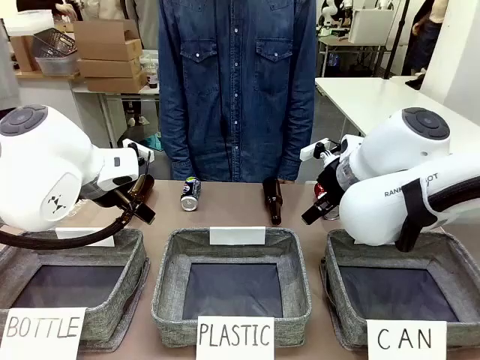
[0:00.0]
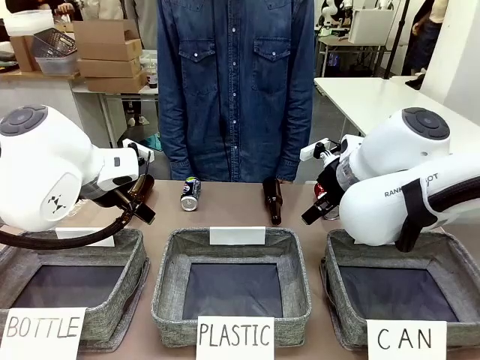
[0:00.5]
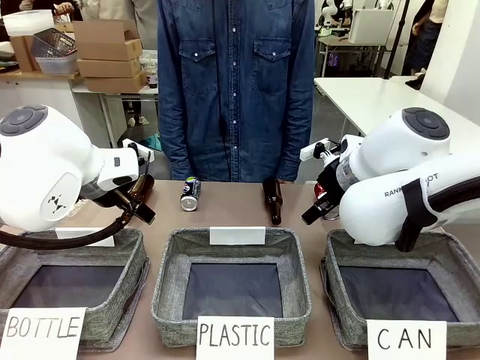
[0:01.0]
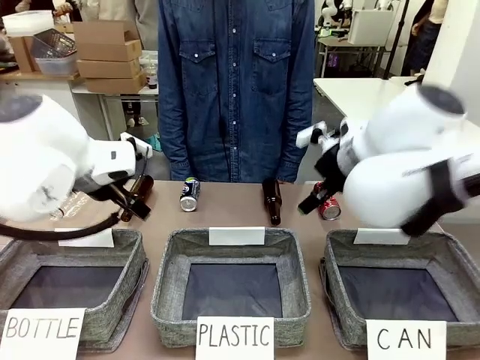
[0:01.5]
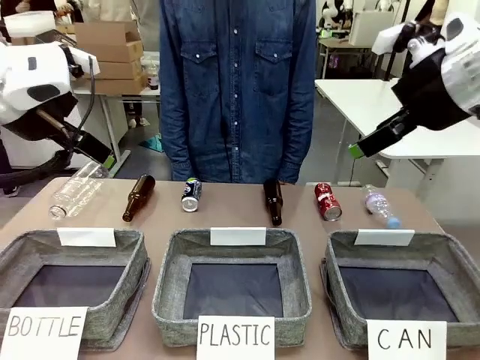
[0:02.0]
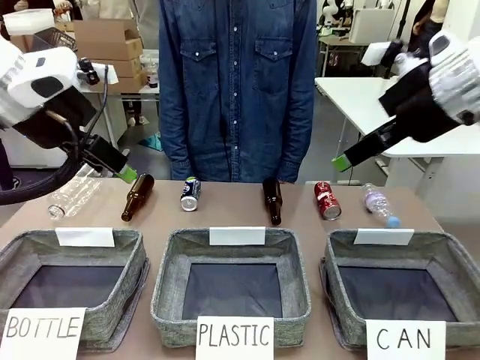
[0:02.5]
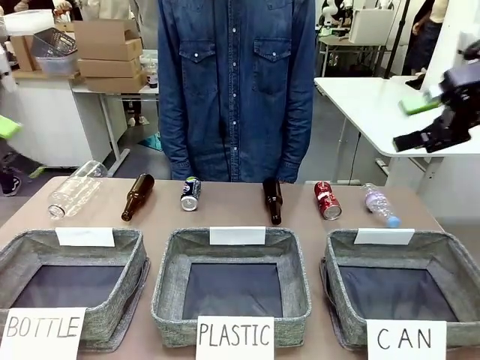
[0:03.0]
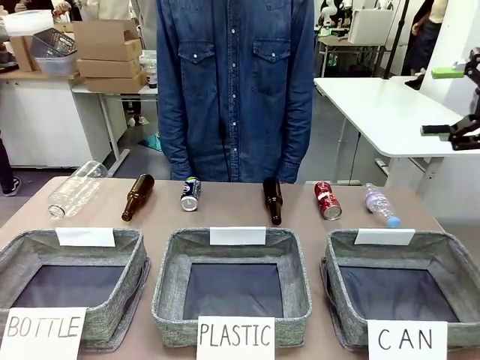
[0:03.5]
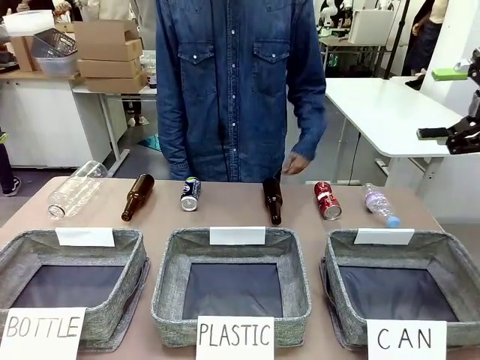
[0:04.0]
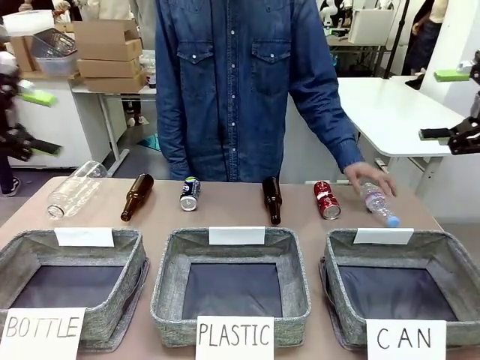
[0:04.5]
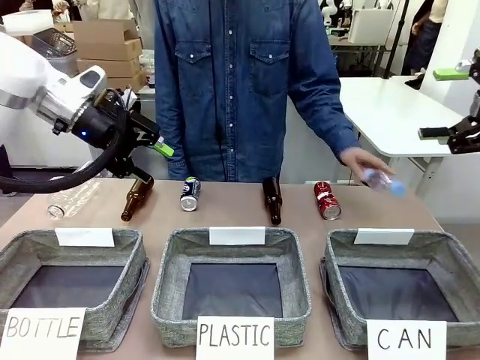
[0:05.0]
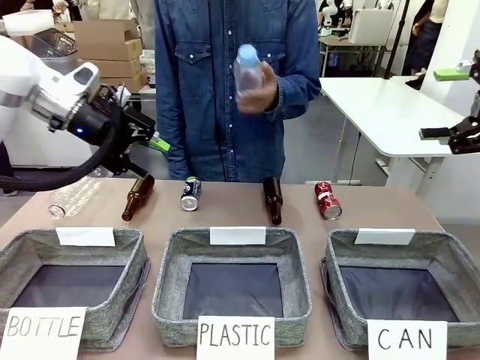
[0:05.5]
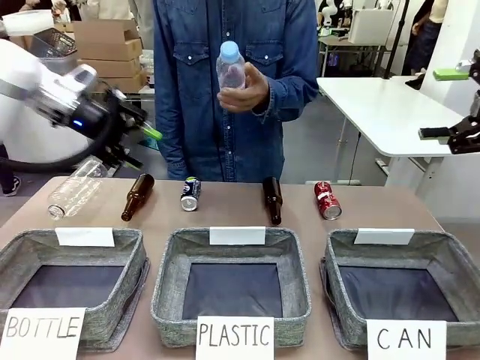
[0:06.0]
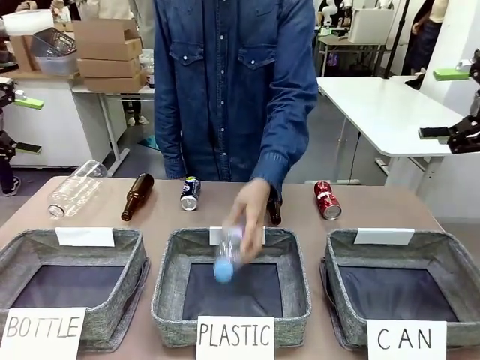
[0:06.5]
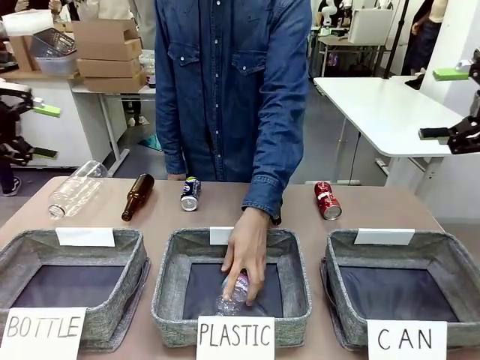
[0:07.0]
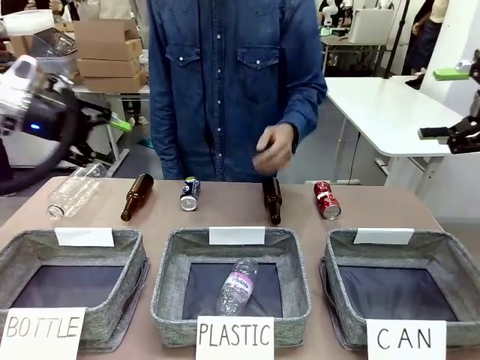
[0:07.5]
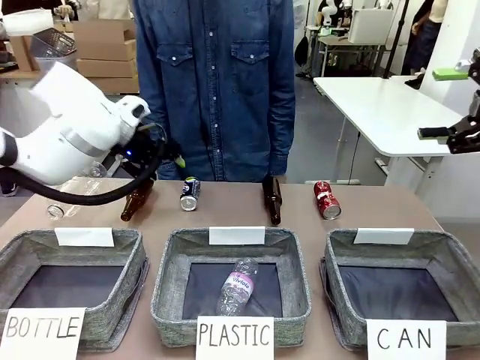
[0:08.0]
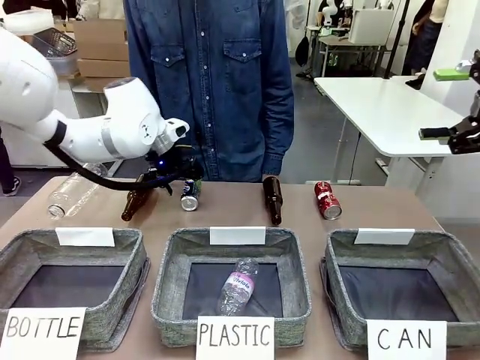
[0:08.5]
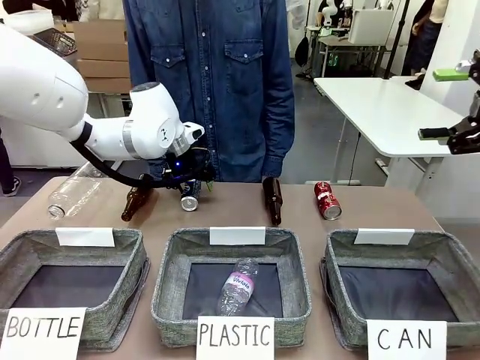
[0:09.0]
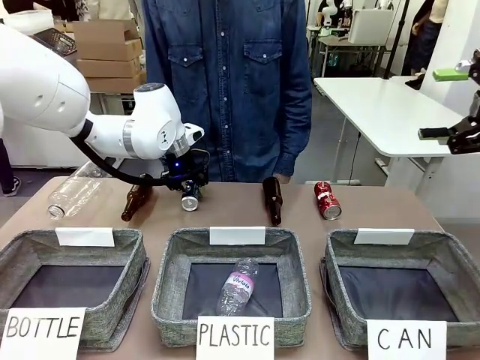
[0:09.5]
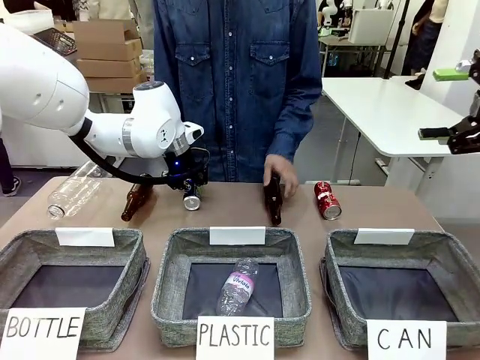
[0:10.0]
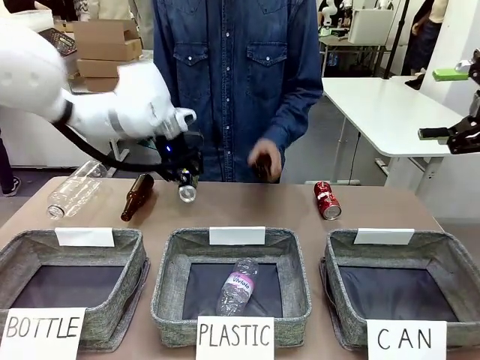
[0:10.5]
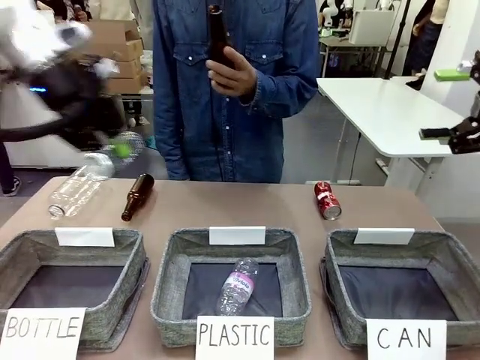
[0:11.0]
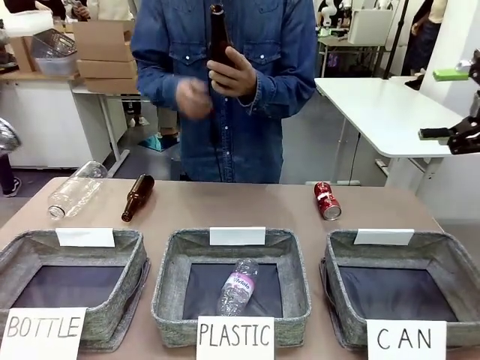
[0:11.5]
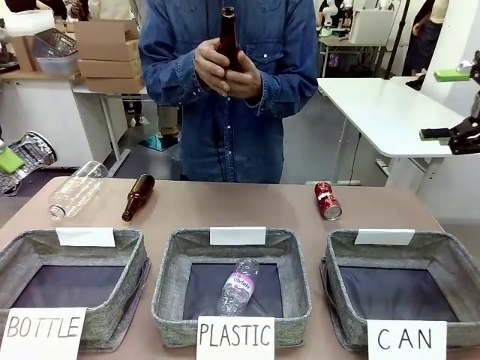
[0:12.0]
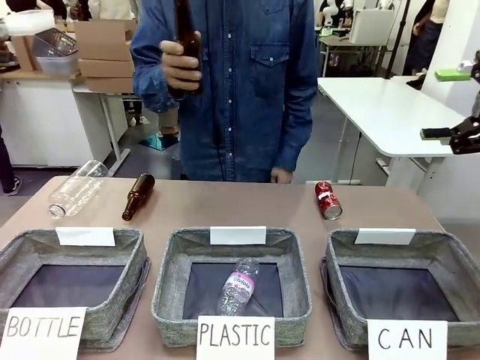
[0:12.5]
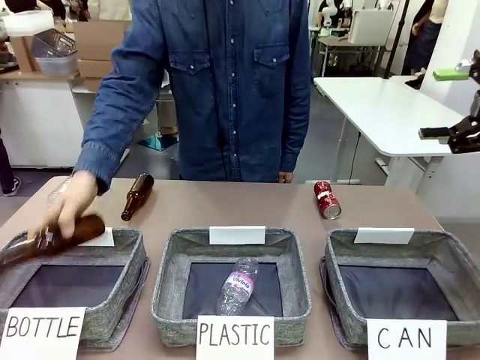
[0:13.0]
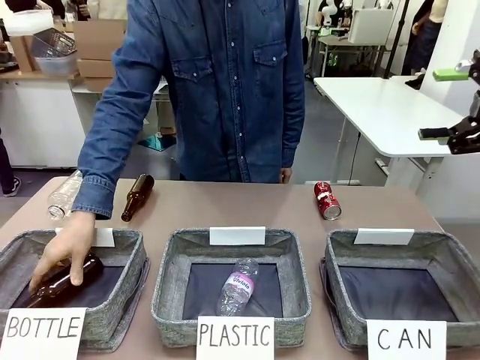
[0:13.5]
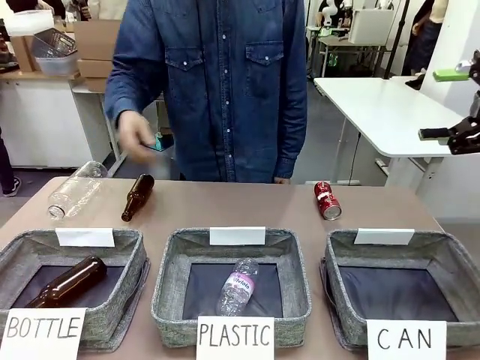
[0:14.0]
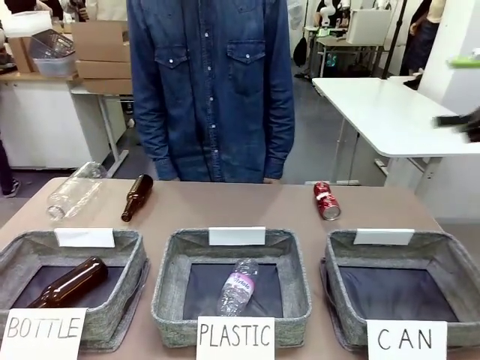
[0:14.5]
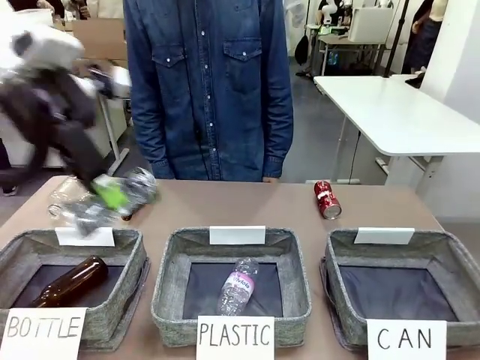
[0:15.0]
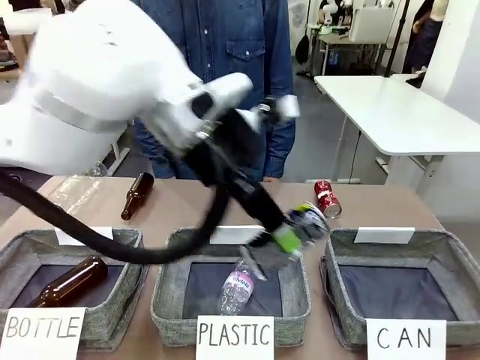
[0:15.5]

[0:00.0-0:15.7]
Task: Sort the can waste into the basket.
Robot: Pick up the can waste from the table and place it in the right Fabric basket.

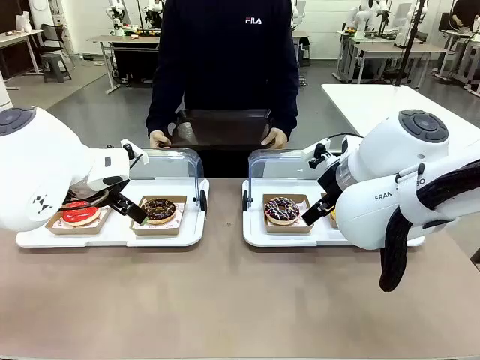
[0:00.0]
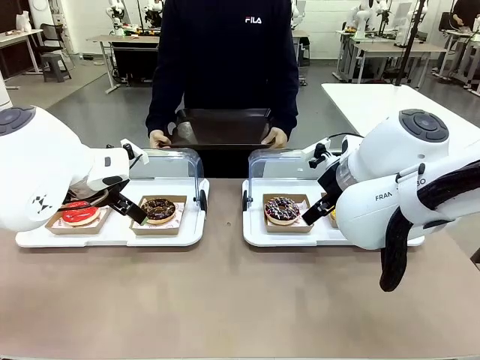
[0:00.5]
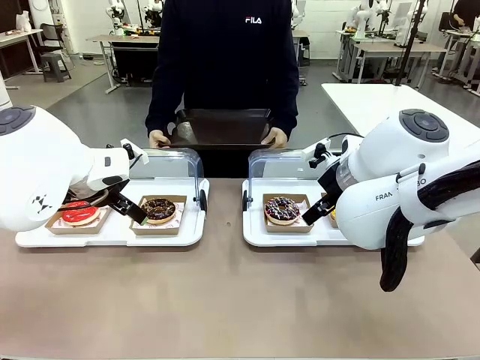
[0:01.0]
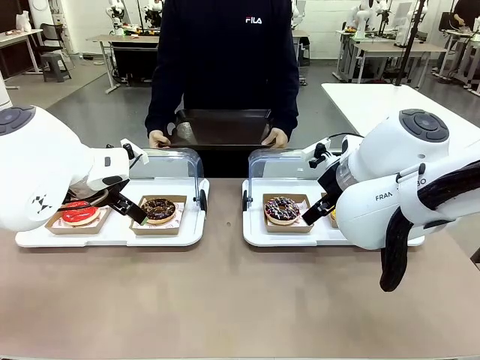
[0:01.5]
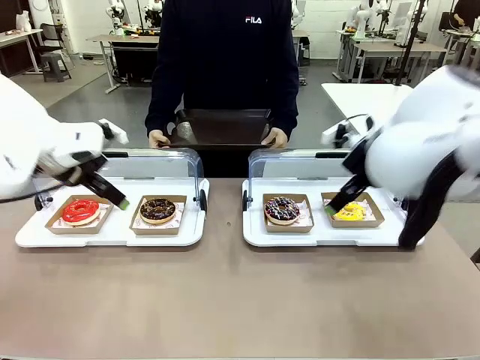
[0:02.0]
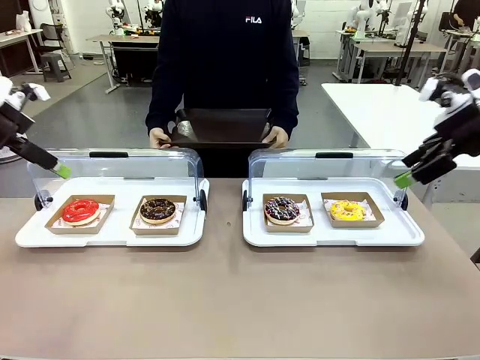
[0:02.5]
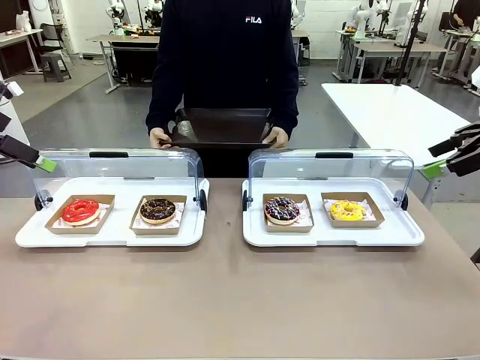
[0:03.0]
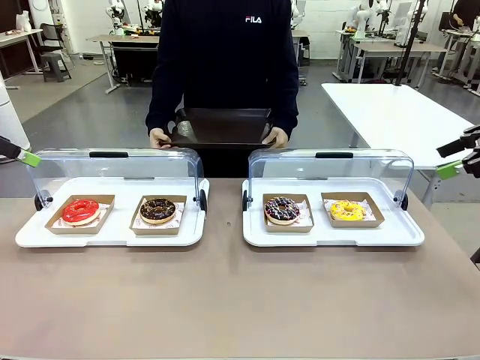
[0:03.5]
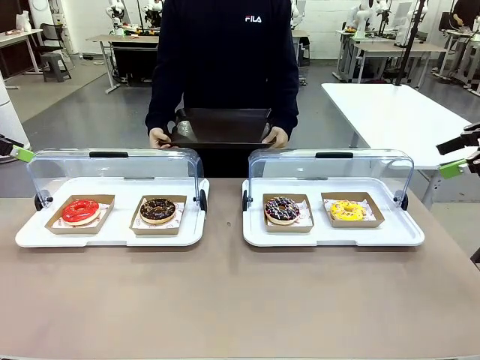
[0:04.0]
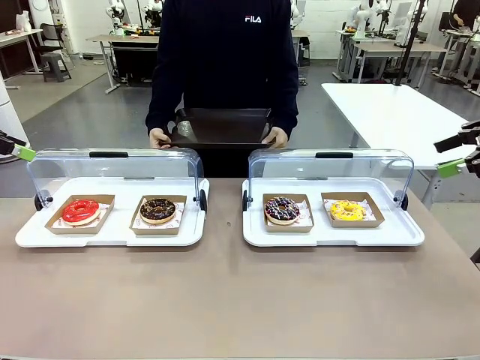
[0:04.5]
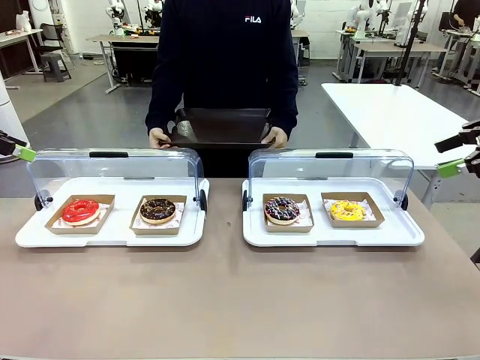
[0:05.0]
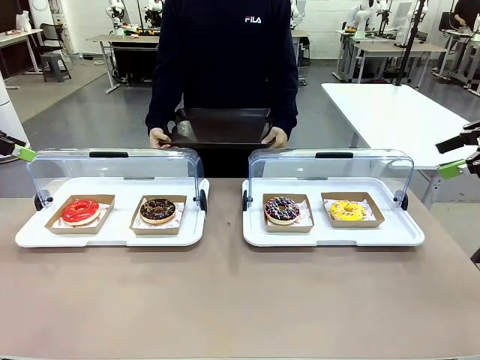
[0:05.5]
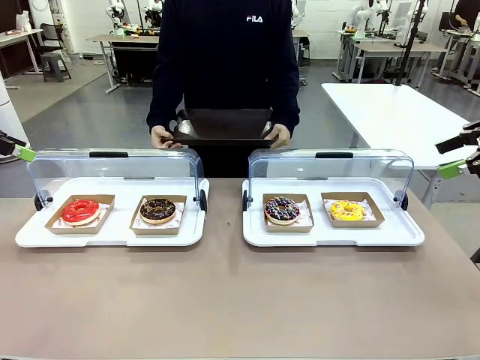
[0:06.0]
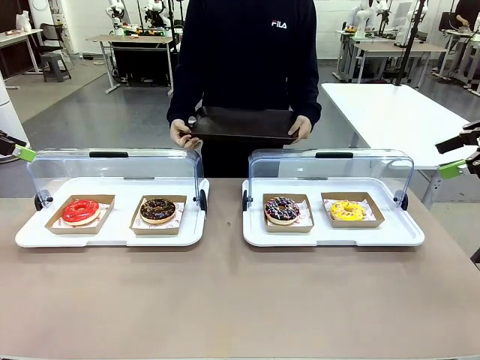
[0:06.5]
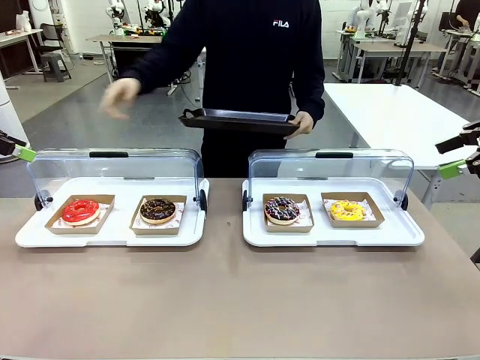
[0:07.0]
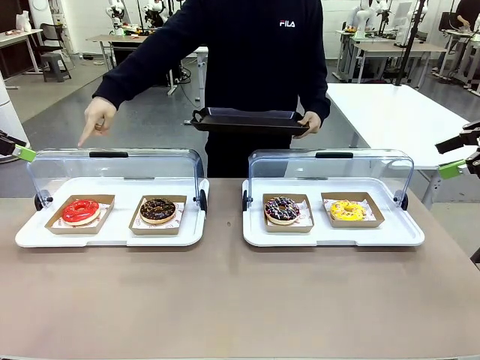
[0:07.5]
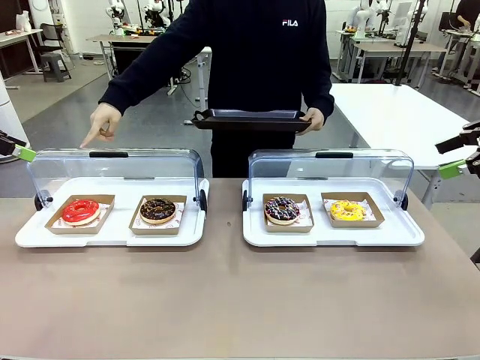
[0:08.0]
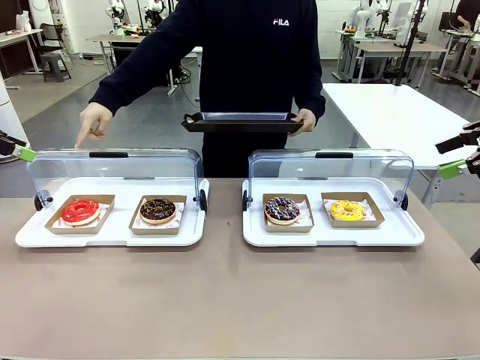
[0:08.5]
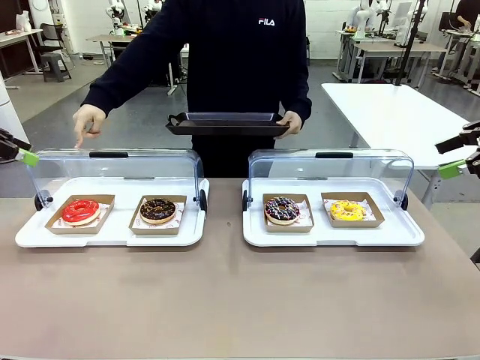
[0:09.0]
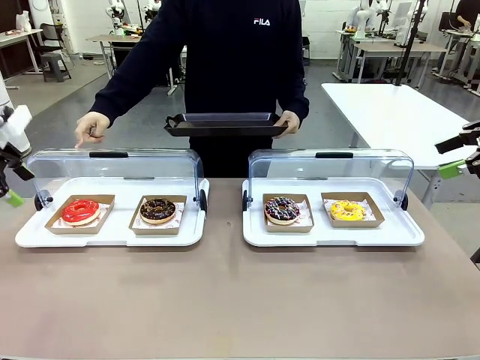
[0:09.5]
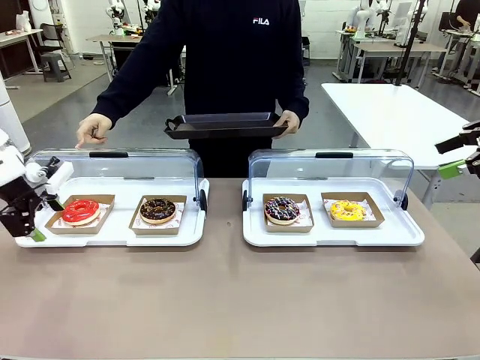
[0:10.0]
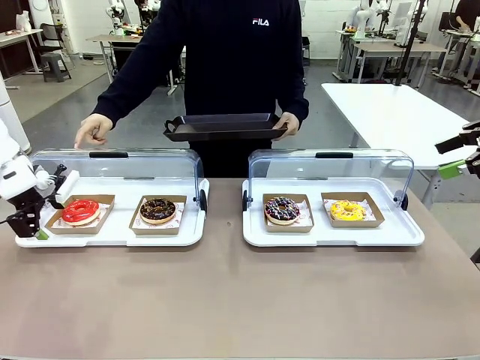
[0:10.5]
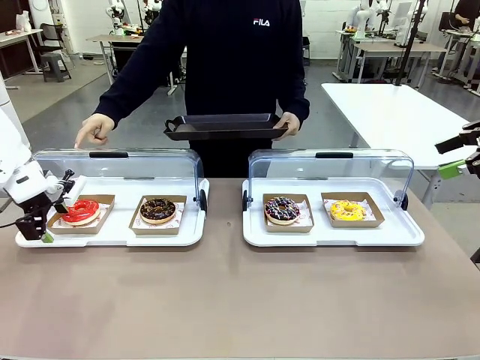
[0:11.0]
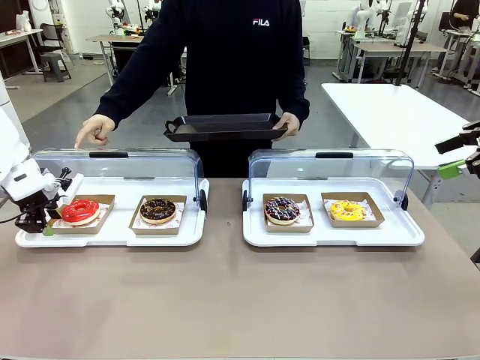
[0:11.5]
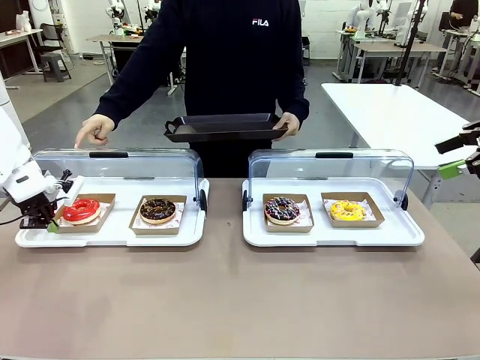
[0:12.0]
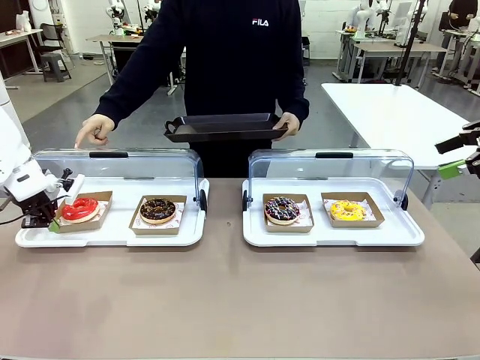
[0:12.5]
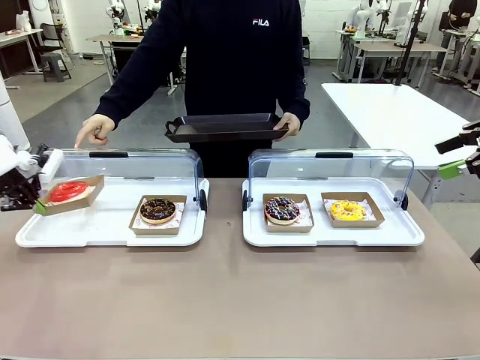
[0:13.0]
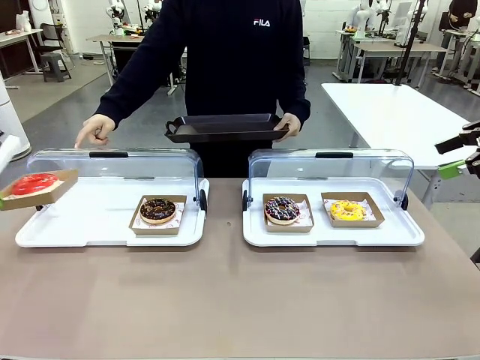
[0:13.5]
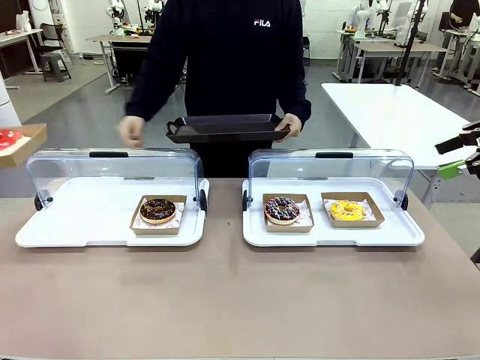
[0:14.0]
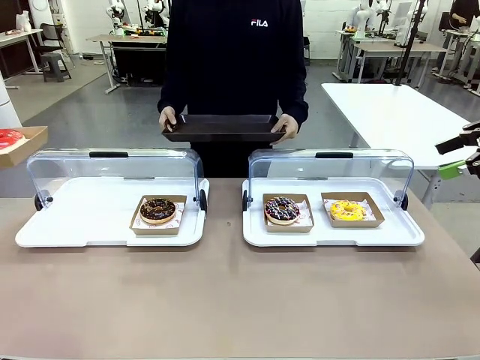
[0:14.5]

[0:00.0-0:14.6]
Task: Provide the desired donut to the person.
Robot: Pick up and lift the Paper togo box containing the Donut pointed at by the person.
Person: Point to one donut. Lift the tray onto the Roll-Top Bakery Case.
